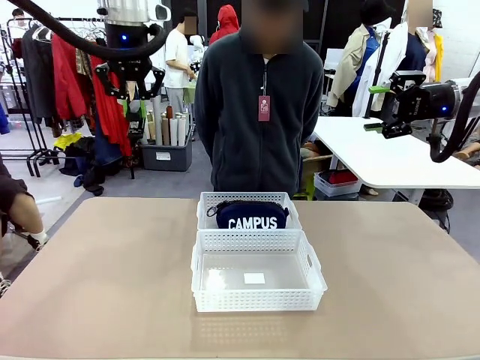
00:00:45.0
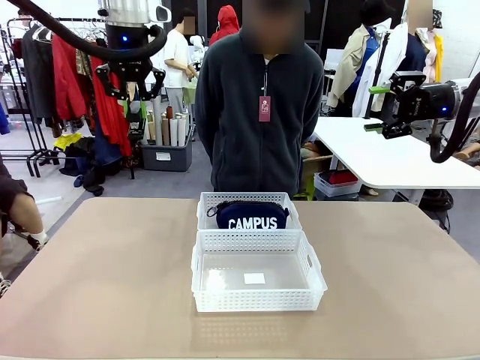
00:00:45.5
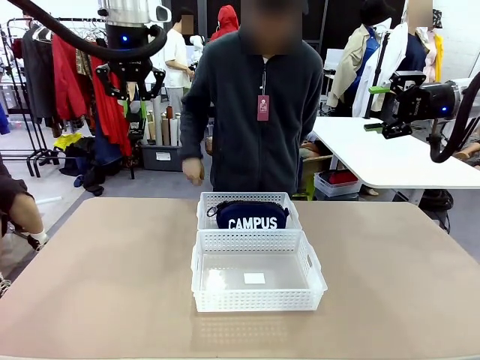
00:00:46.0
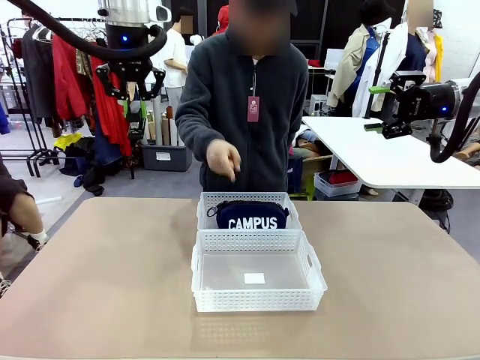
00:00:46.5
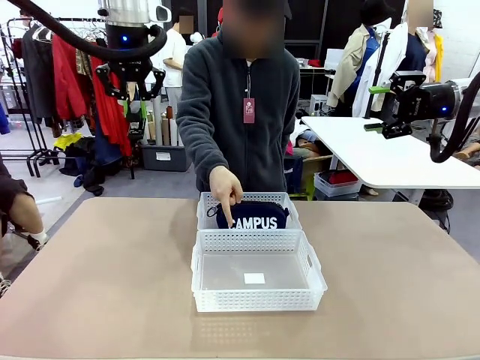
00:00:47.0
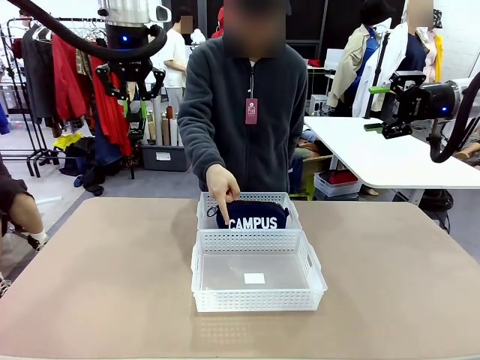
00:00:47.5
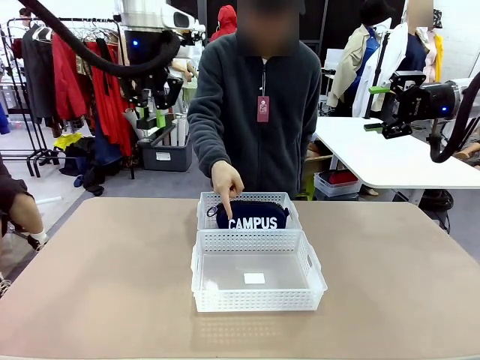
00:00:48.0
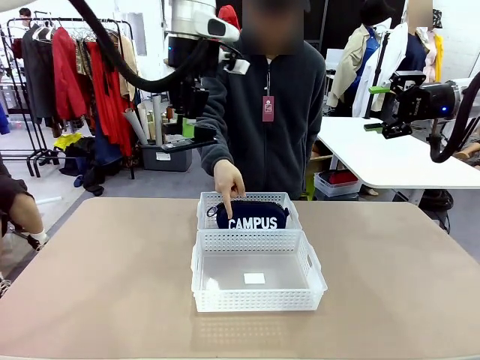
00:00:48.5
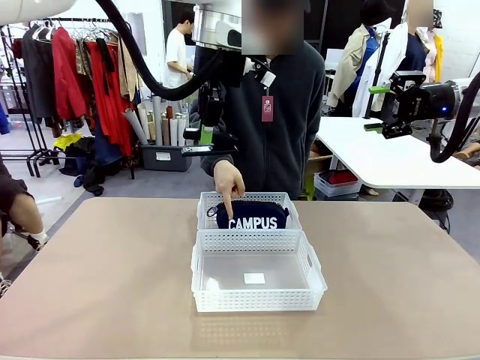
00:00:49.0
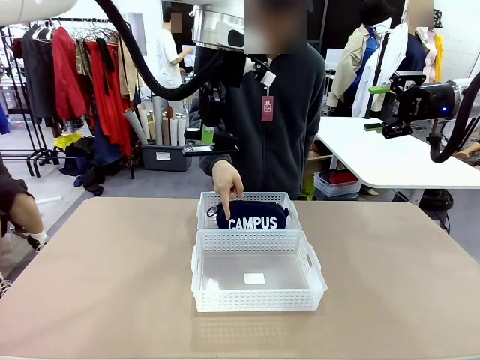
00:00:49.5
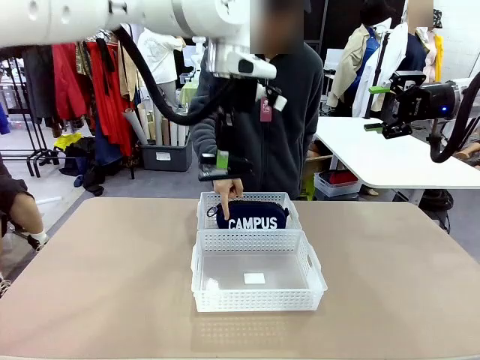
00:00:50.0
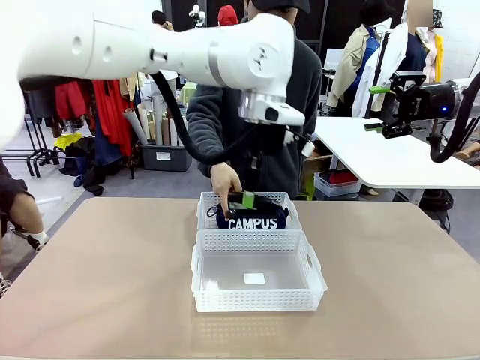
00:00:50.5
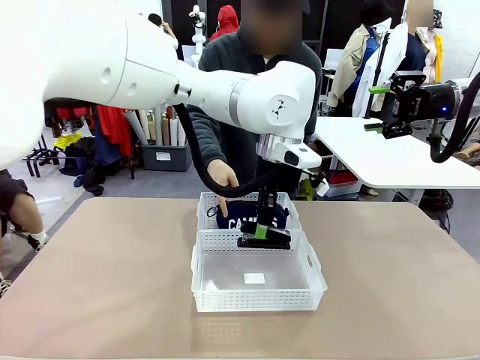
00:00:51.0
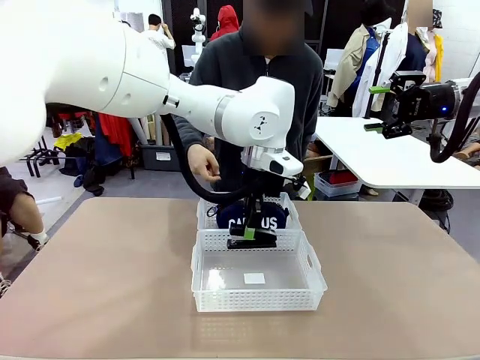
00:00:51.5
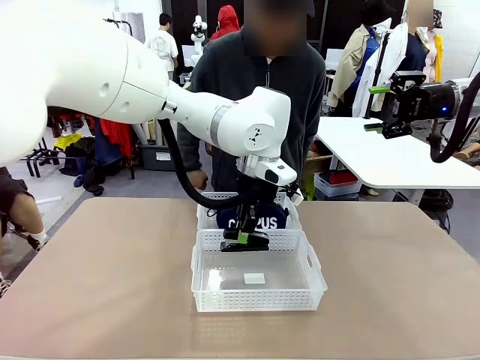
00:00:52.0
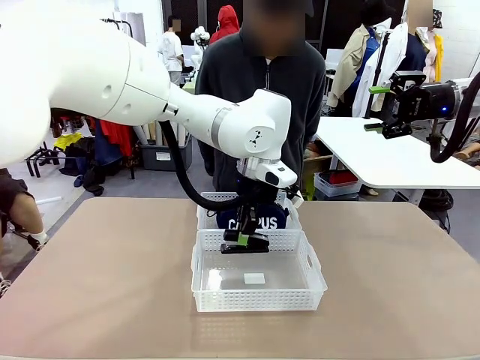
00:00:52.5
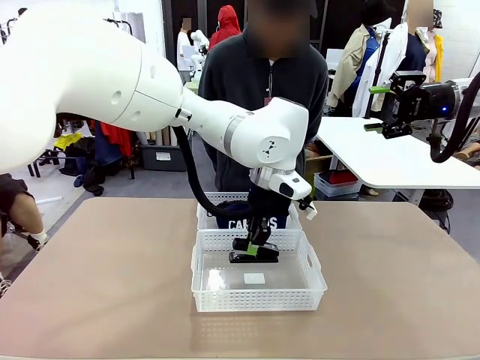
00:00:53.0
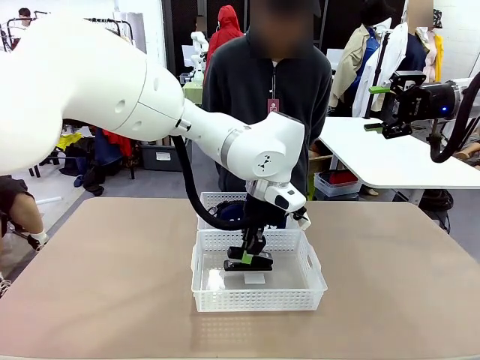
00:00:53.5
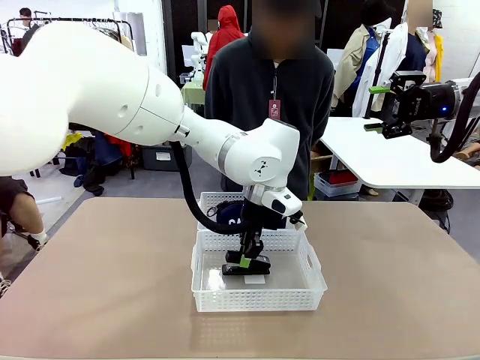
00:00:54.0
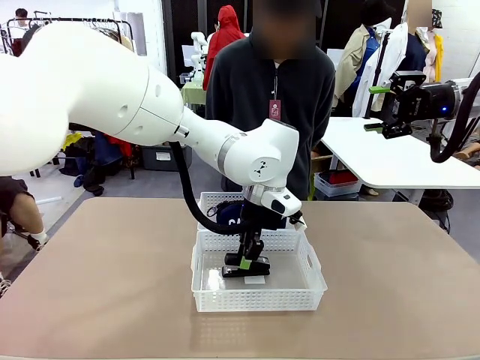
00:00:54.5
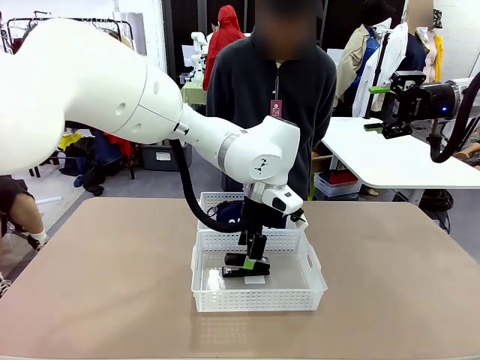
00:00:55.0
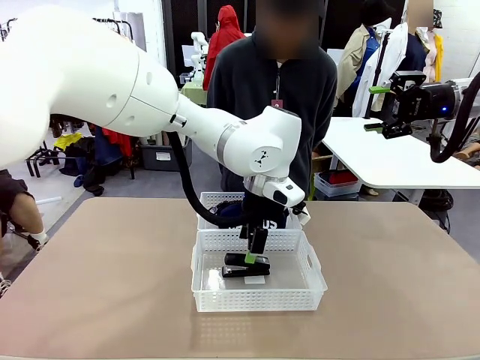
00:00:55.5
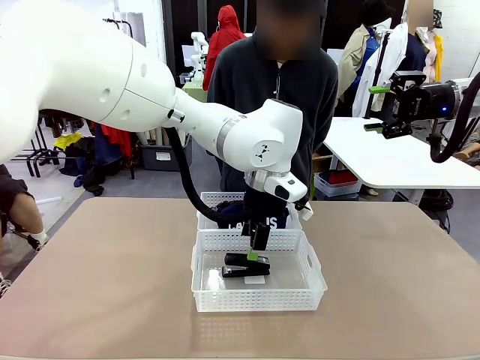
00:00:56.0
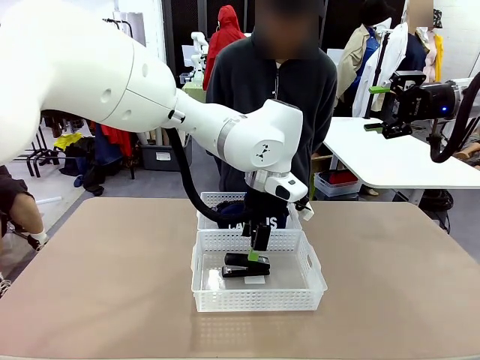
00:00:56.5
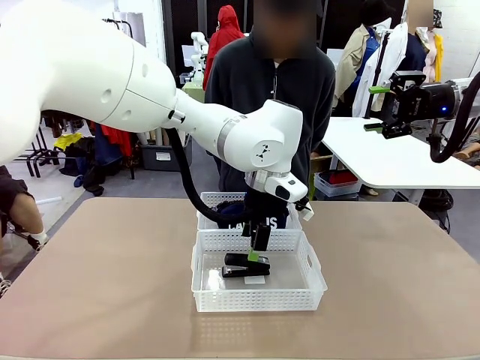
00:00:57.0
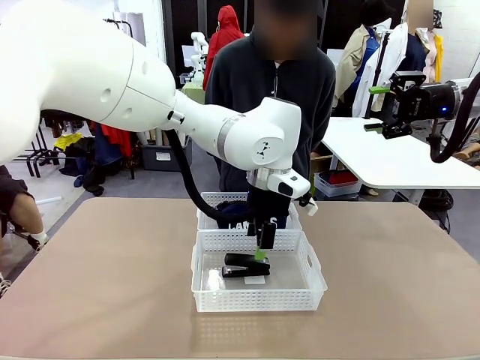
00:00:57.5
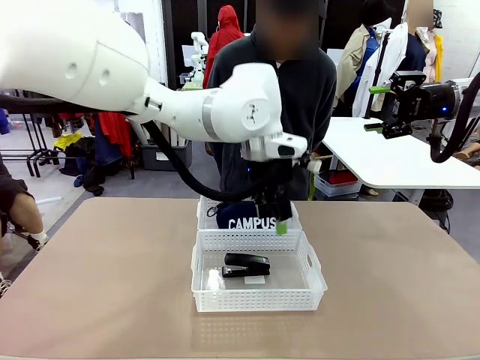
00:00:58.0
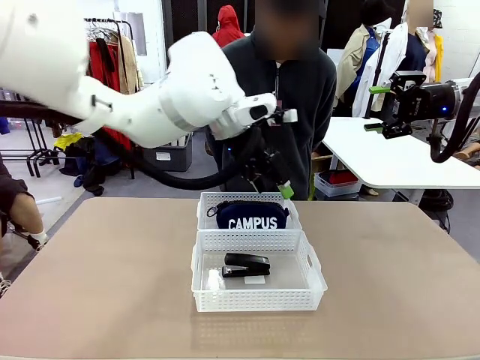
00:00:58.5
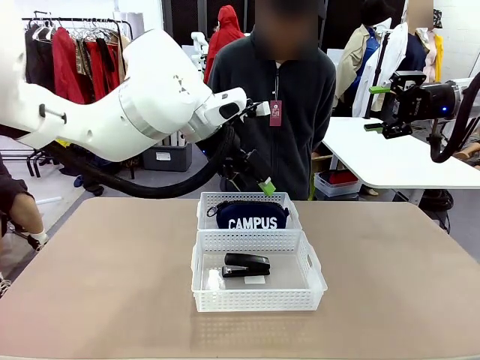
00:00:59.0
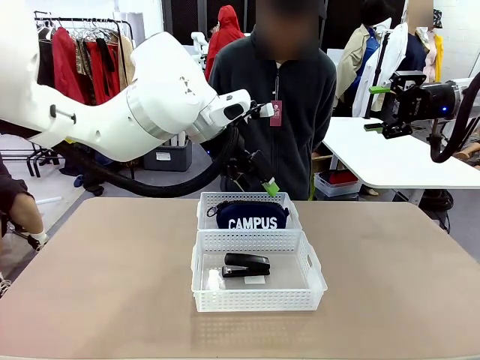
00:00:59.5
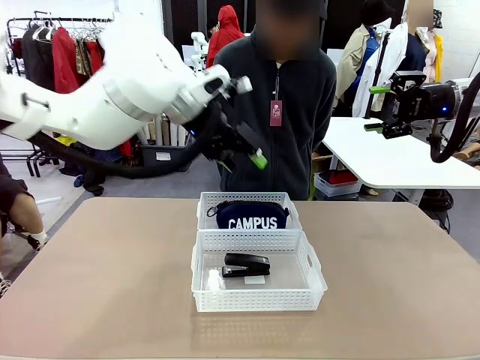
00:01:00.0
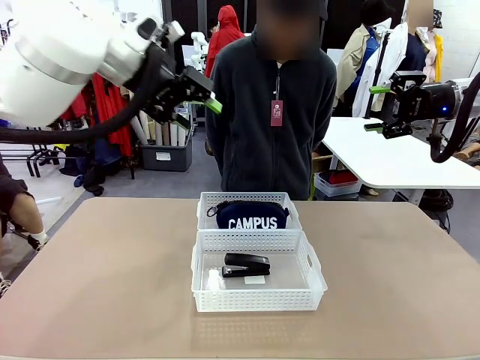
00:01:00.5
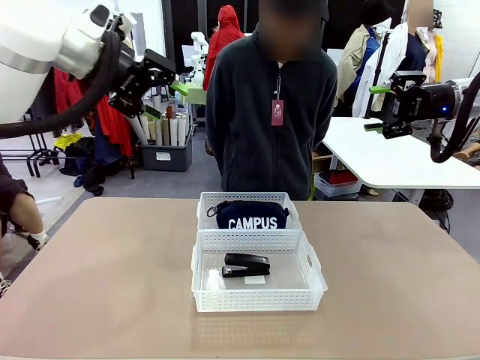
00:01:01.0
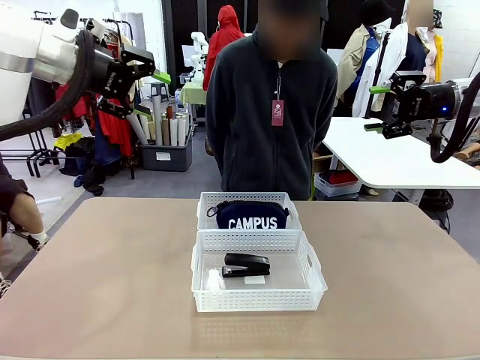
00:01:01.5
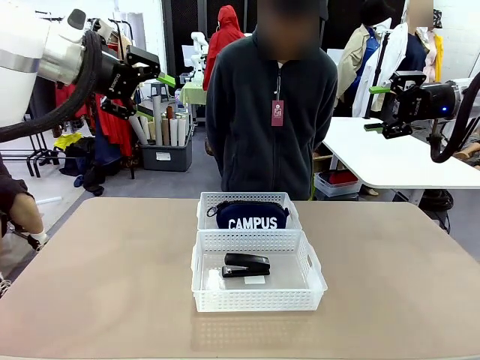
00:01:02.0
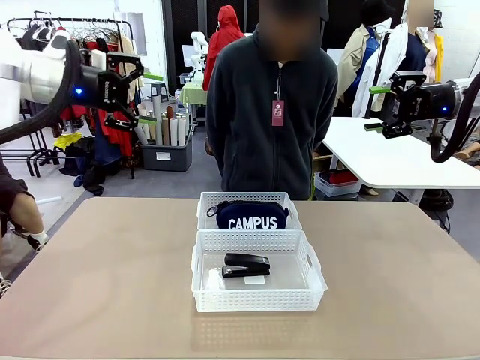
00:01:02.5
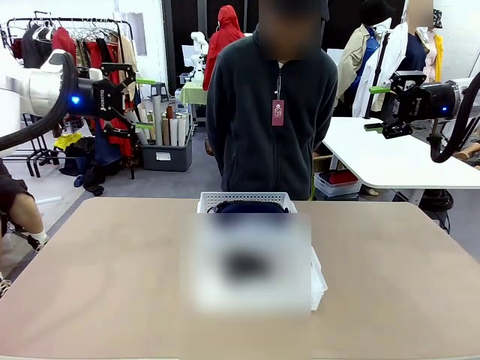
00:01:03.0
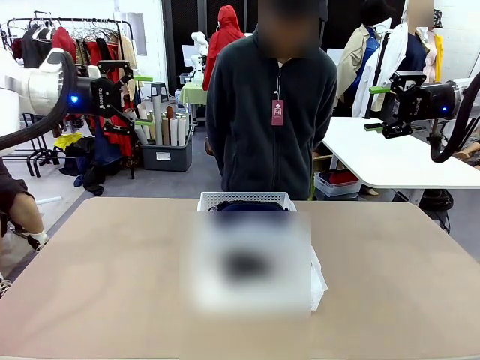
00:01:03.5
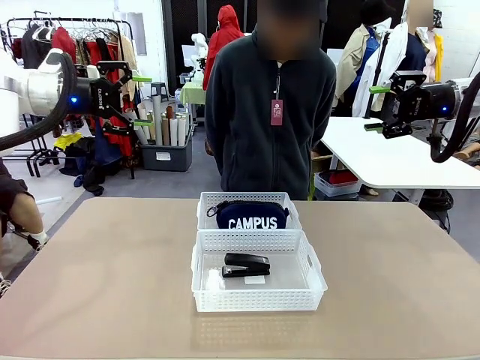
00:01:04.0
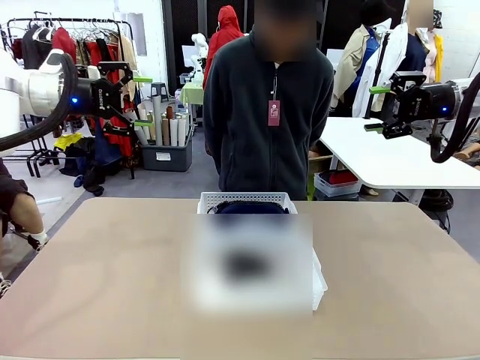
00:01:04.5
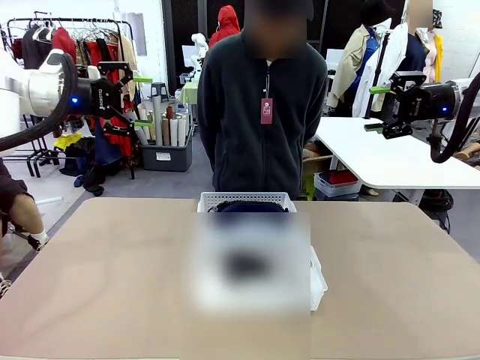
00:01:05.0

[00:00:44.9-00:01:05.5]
Task: Distribute items into two baskets.
Robot: Place the picked Stapler into the Organizing basket as instructed by the person.
Person: Points to the basket that does not contain the pencil case and instructs the robot to move the stapler there.

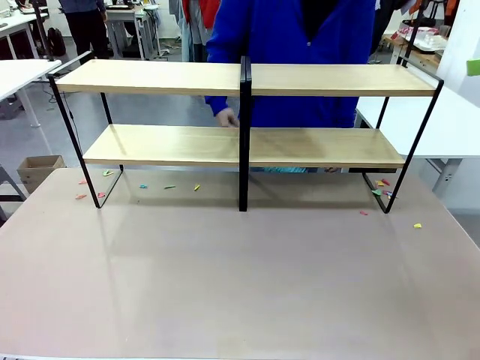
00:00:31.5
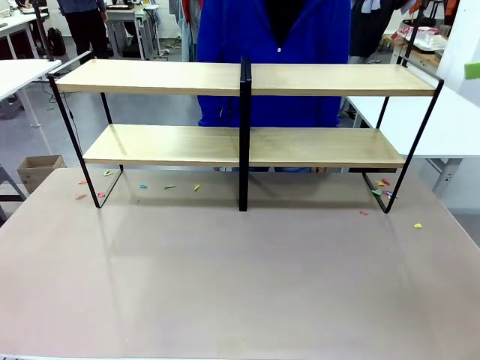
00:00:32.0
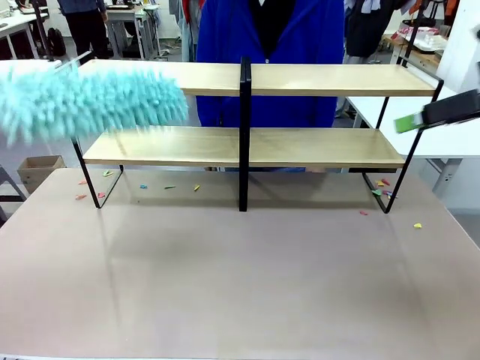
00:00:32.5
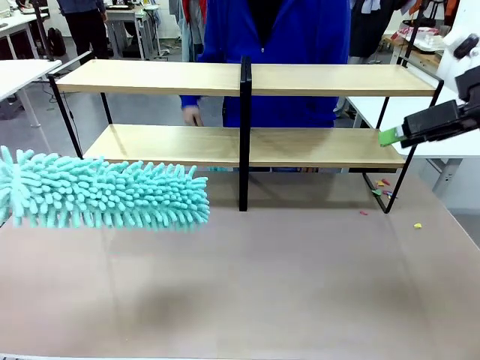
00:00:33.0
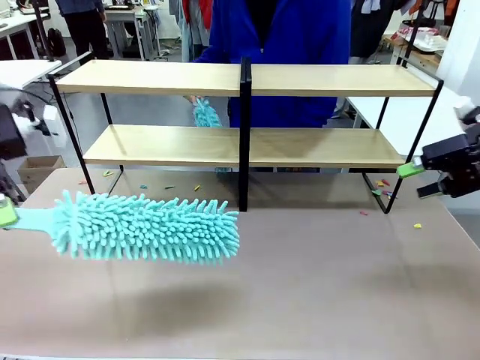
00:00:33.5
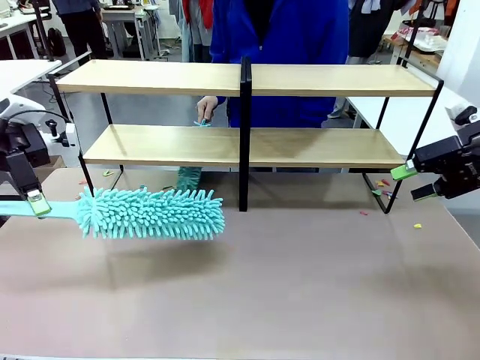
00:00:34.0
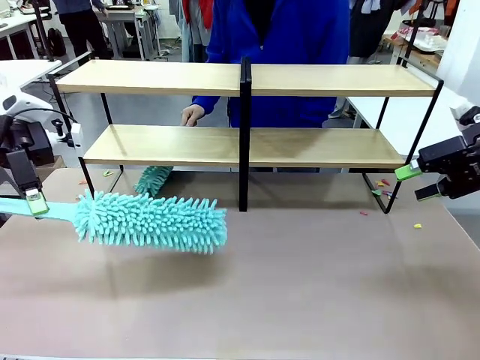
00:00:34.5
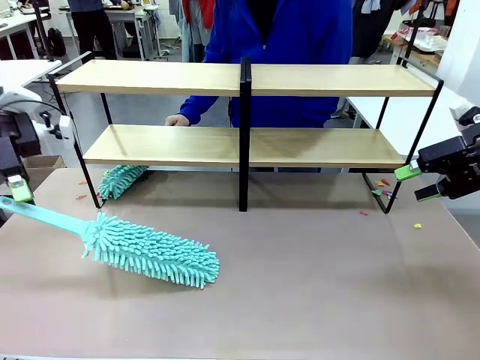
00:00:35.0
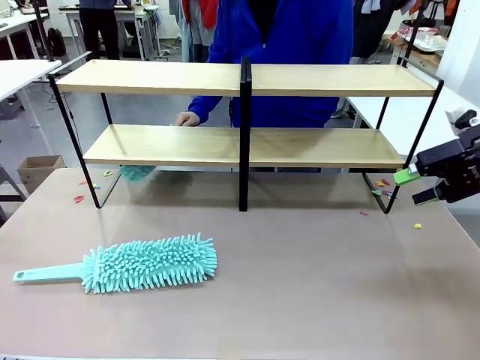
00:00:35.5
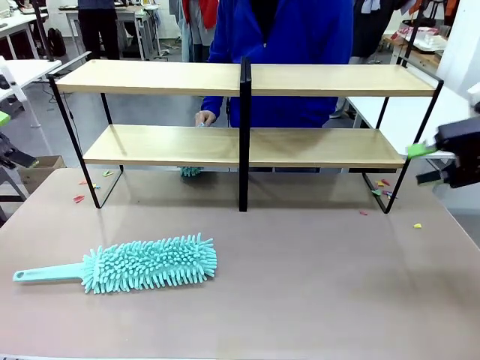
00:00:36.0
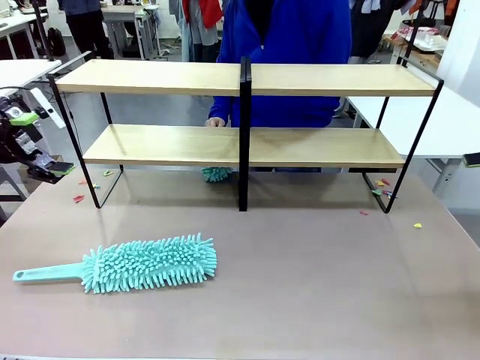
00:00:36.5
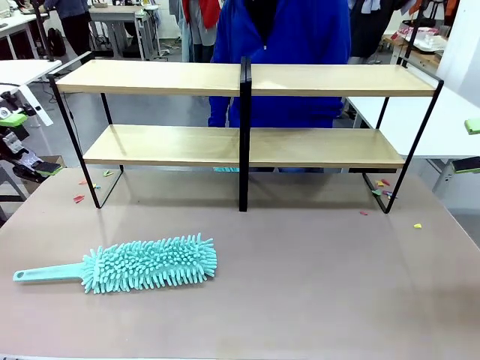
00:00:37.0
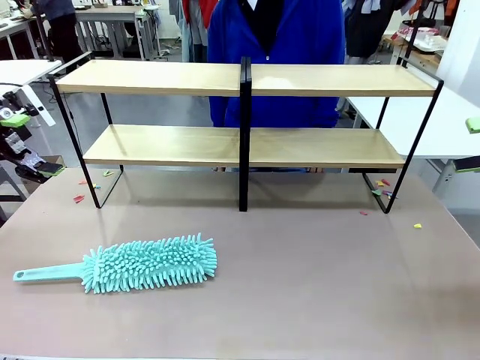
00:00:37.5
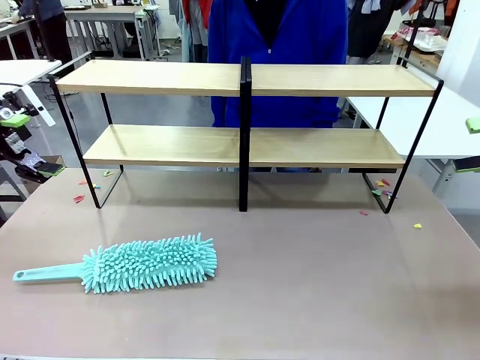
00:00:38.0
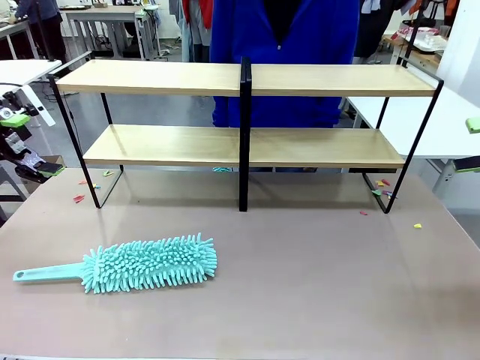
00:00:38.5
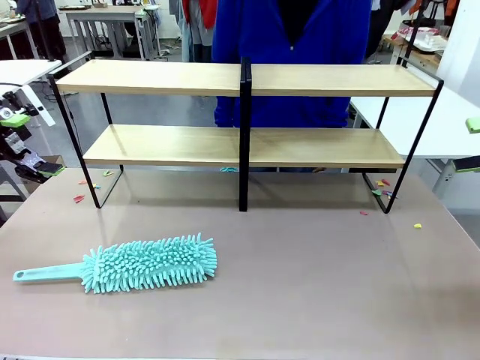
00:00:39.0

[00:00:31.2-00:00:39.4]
Task: Clean the shelves.
Robot: Place the Duster on the table.
